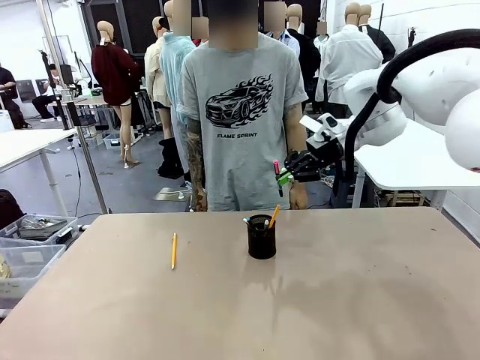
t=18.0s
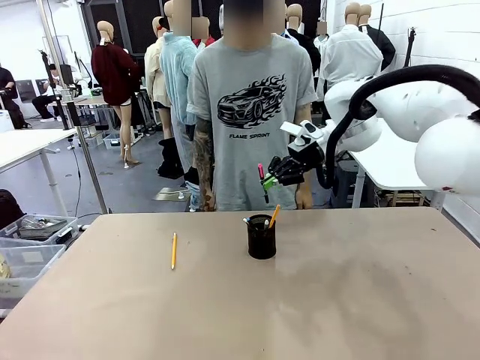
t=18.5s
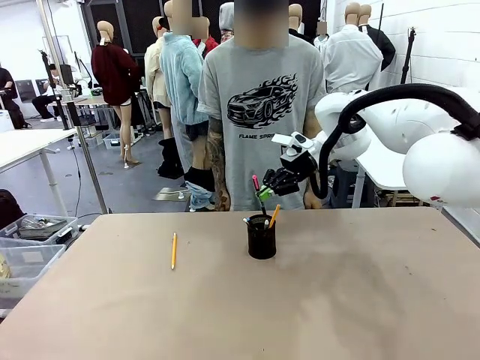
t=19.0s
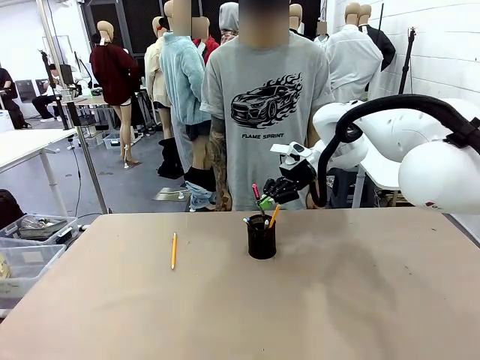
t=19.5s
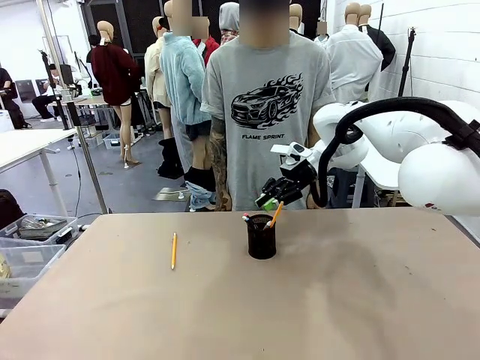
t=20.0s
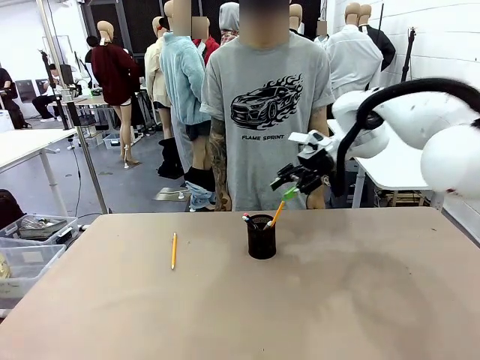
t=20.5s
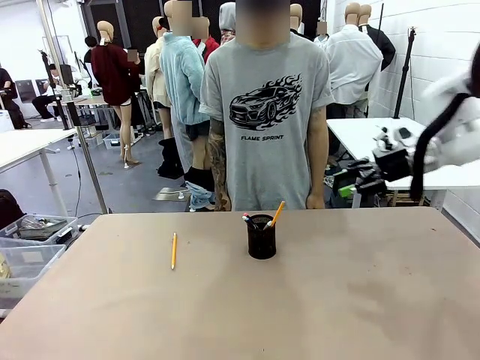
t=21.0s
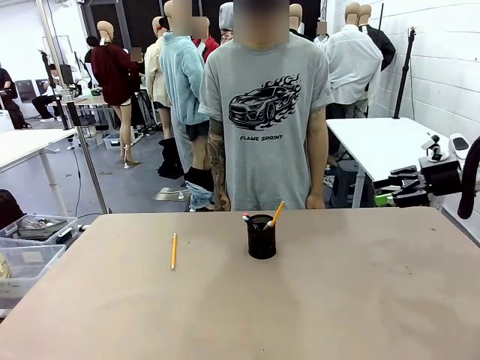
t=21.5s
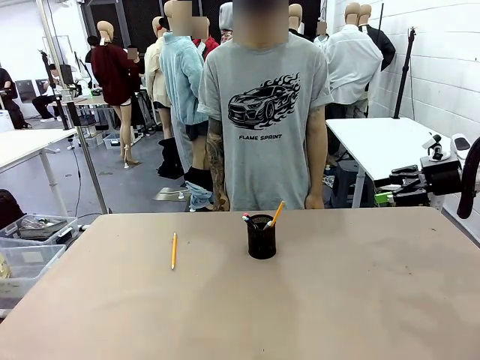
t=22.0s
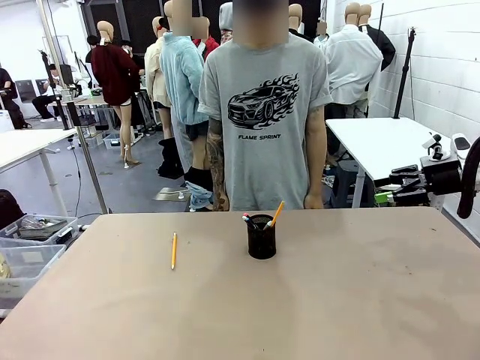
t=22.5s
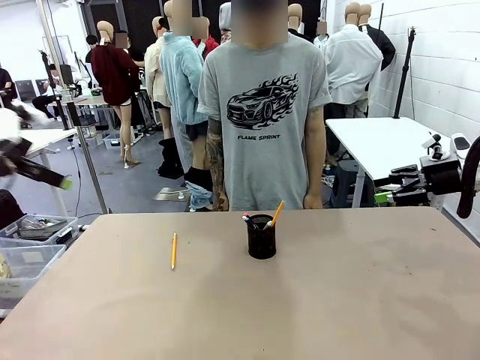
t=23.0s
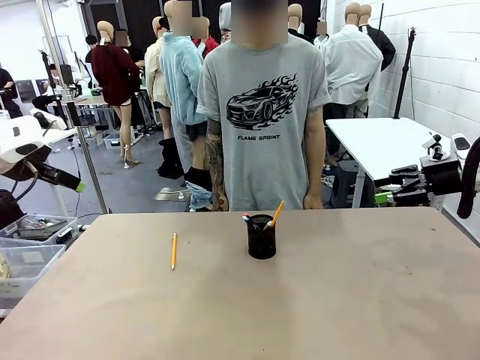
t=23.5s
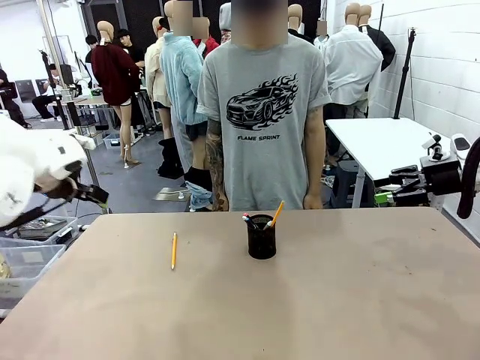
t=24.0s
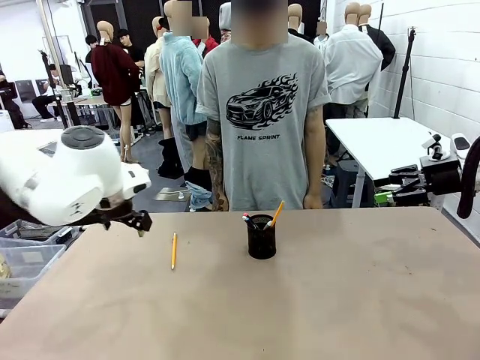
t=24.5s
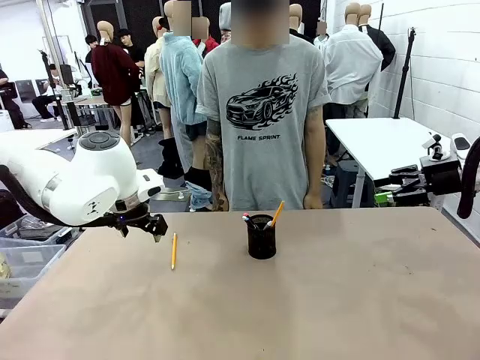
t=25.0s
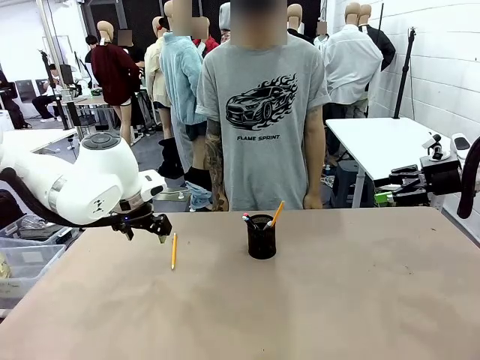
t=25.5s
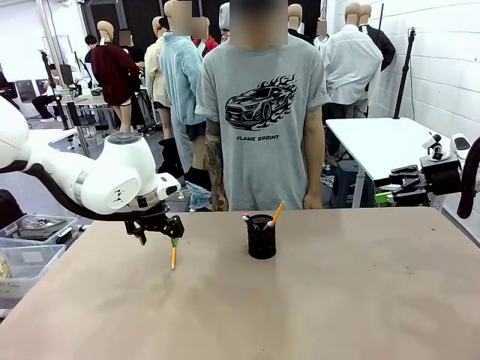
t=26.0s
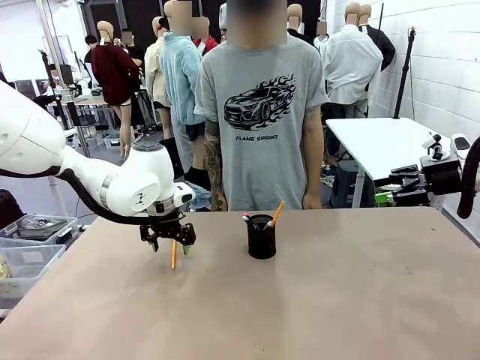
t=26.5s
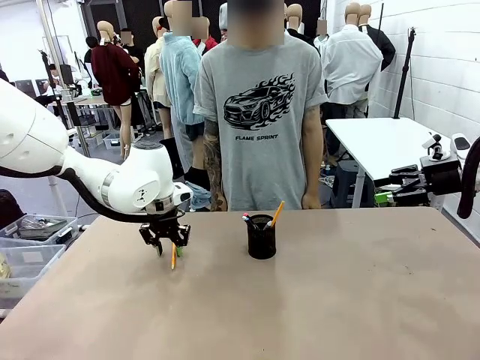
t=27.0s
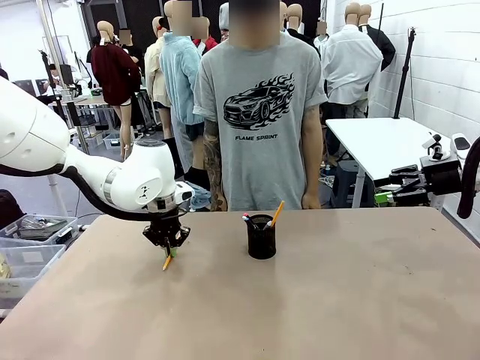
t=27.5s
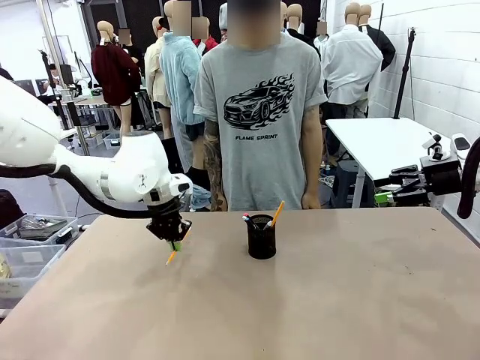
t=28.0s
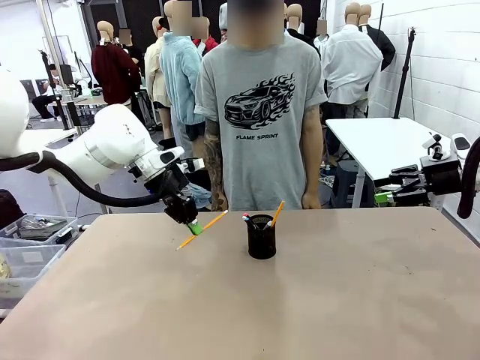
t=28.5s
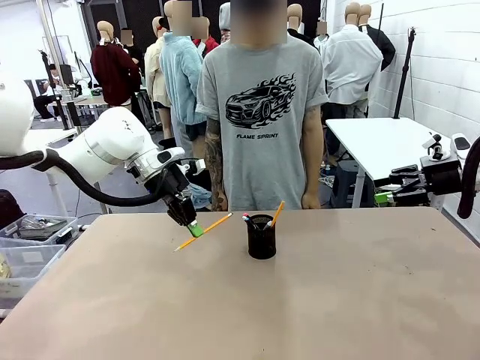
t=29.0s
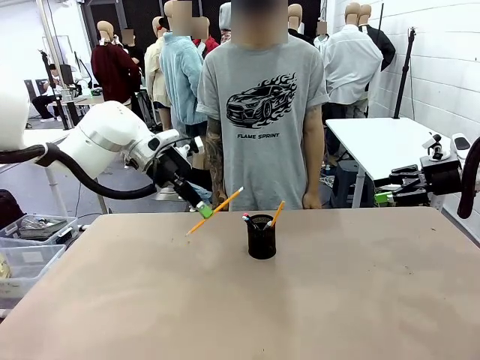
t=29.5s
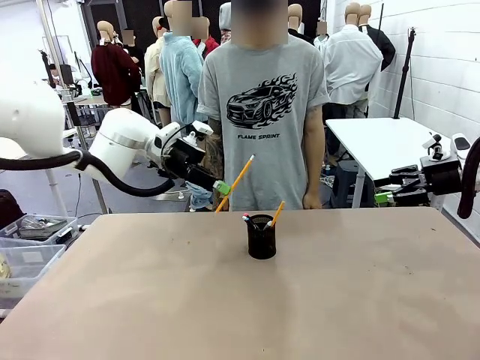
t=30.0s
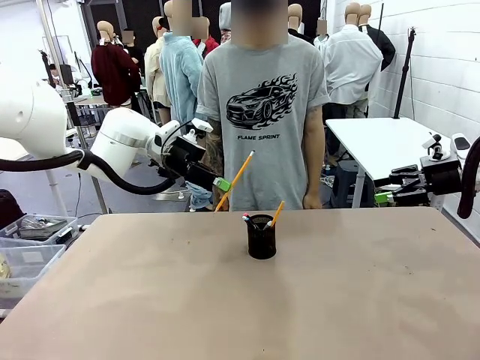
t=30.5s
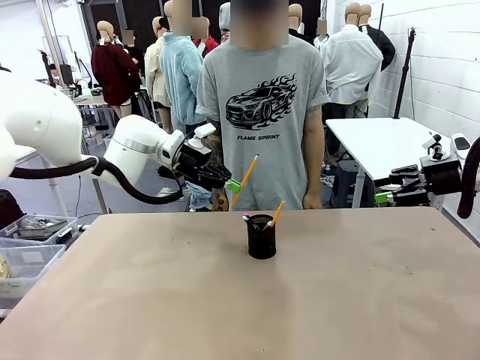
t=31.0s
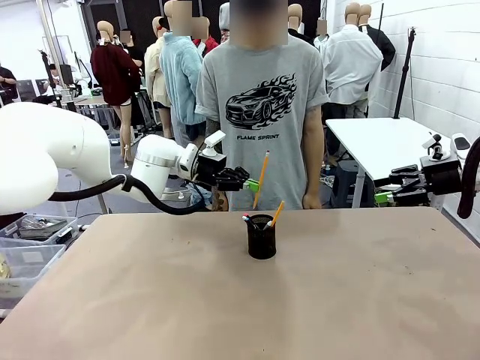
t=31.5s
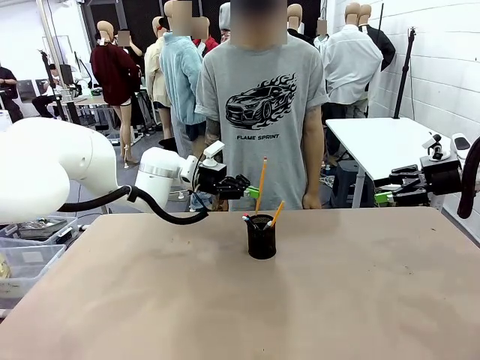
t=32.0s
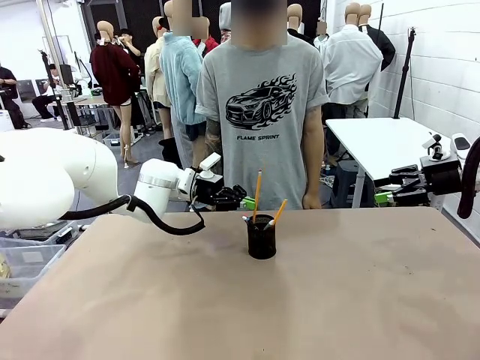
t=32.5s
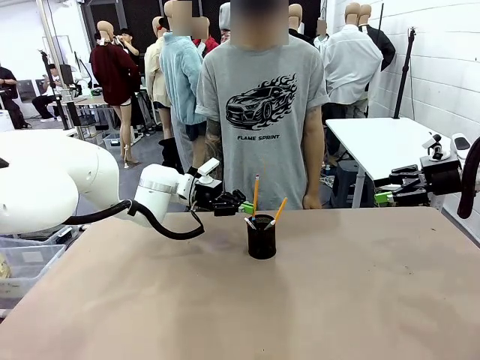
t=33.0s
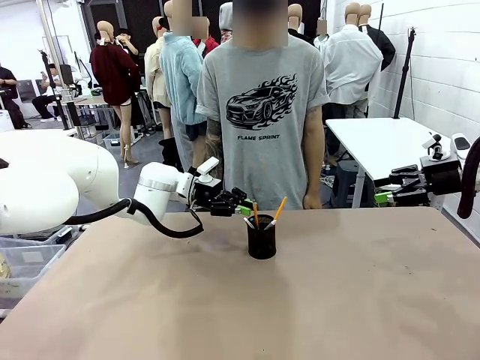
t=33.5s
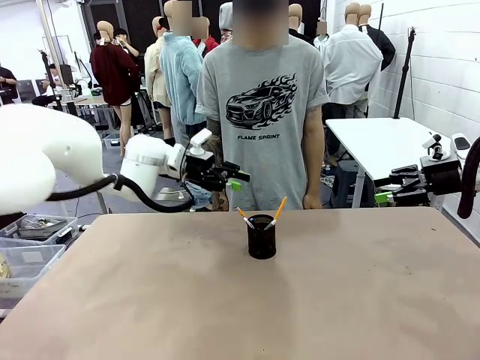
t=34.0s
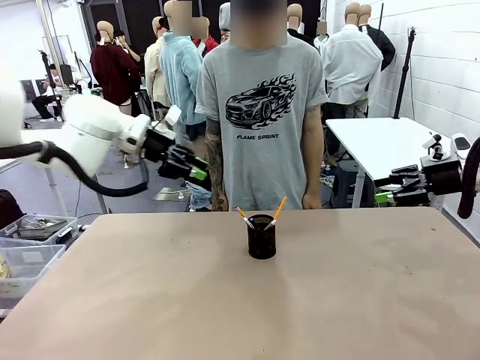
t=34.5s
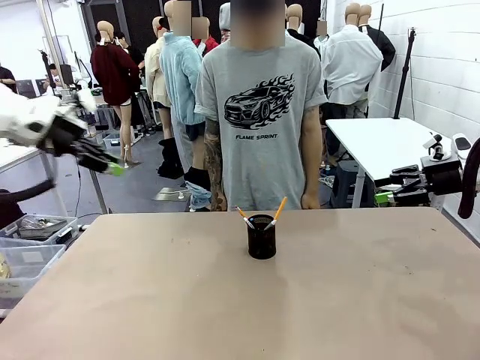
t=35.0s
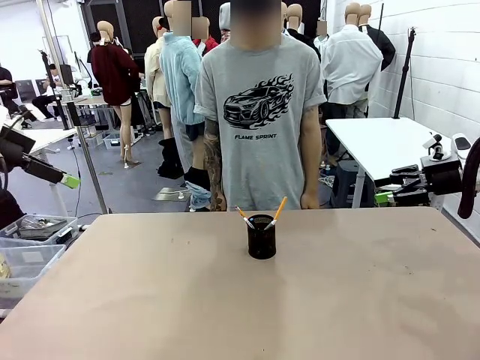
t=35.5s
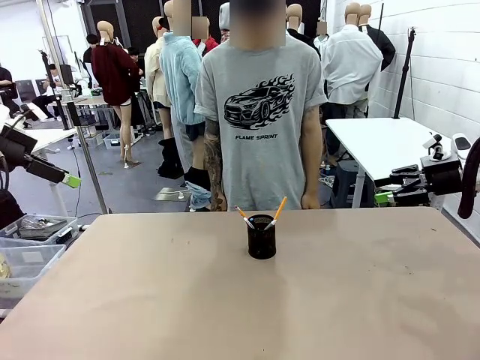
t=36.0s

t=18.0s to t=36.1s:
Task: Place the pens into the pen holder.
Robot: Pick up a writing instrument from the table and place it into the Pen holder.
Person: Place all writing instrument into the Pen holder.
